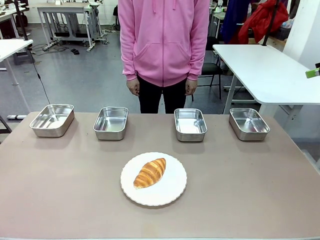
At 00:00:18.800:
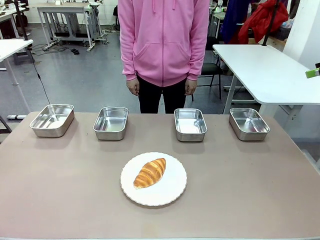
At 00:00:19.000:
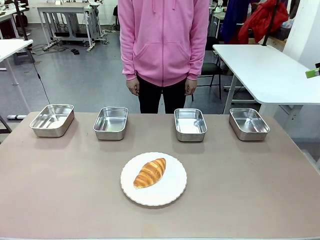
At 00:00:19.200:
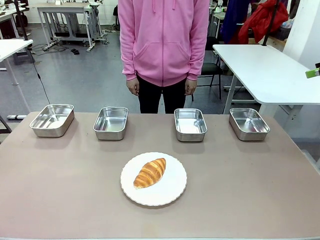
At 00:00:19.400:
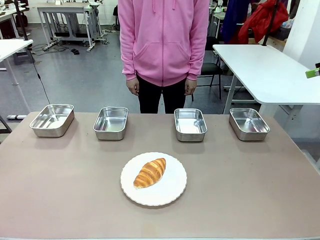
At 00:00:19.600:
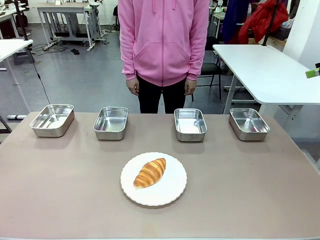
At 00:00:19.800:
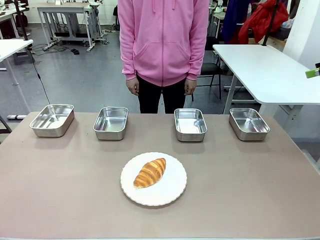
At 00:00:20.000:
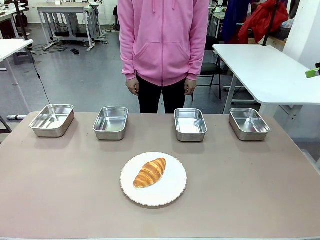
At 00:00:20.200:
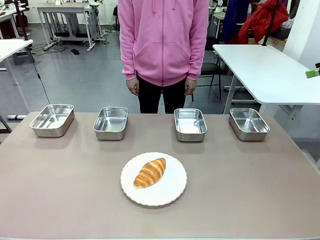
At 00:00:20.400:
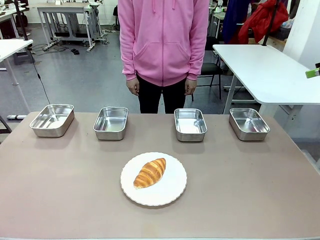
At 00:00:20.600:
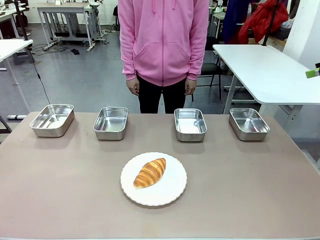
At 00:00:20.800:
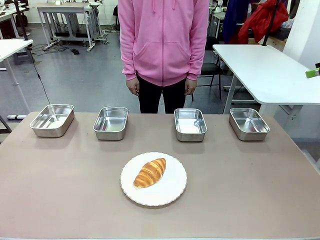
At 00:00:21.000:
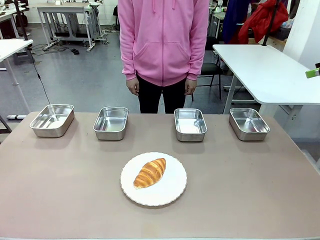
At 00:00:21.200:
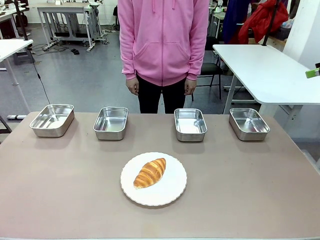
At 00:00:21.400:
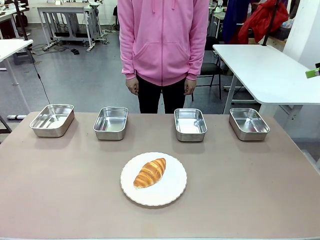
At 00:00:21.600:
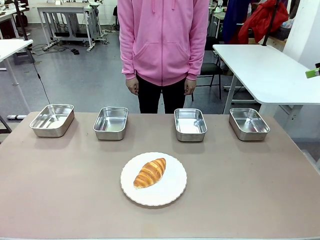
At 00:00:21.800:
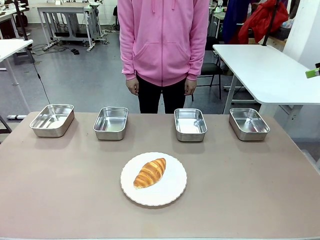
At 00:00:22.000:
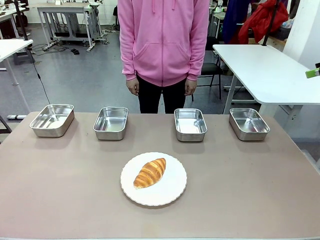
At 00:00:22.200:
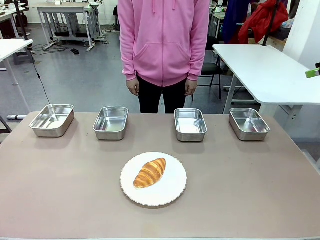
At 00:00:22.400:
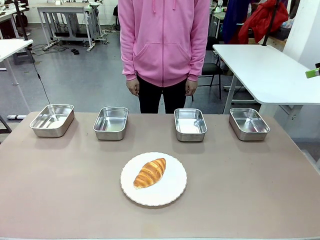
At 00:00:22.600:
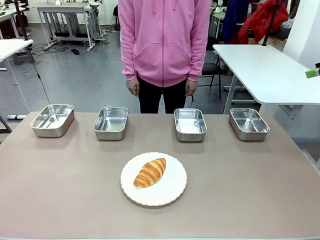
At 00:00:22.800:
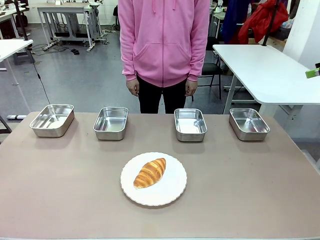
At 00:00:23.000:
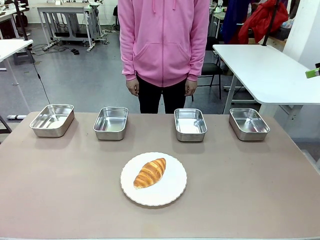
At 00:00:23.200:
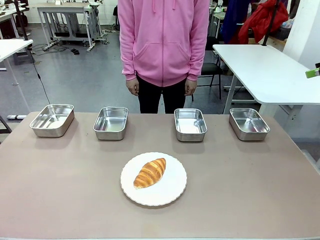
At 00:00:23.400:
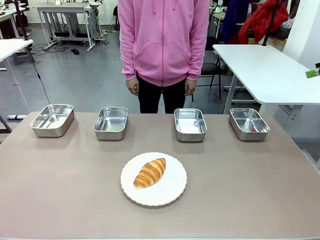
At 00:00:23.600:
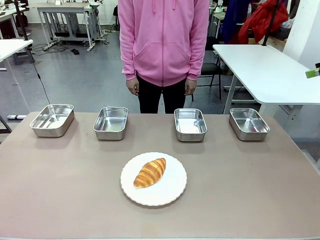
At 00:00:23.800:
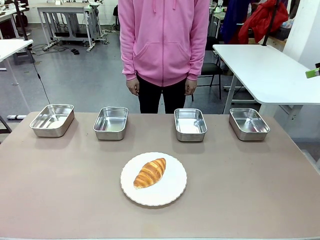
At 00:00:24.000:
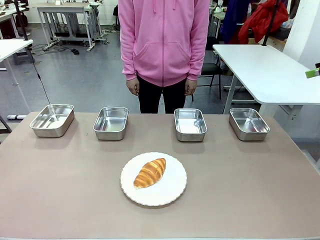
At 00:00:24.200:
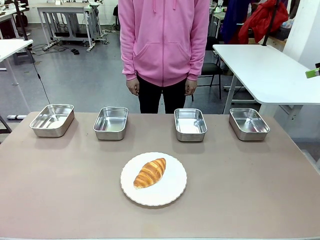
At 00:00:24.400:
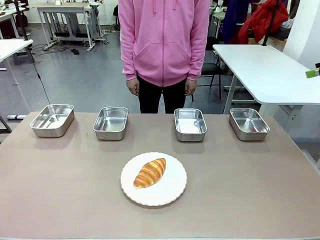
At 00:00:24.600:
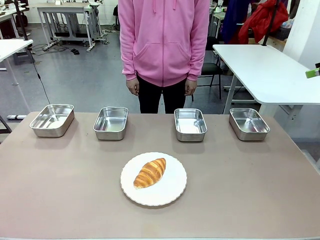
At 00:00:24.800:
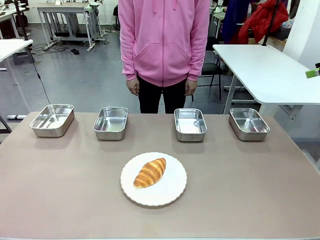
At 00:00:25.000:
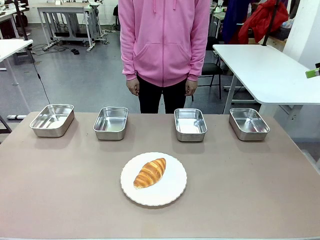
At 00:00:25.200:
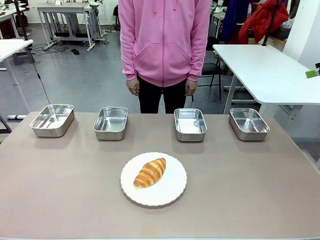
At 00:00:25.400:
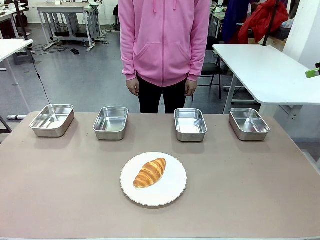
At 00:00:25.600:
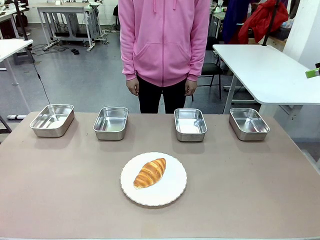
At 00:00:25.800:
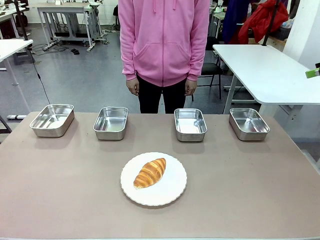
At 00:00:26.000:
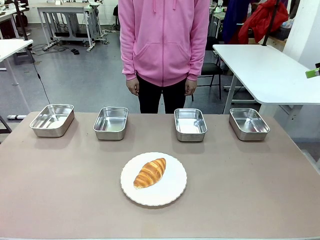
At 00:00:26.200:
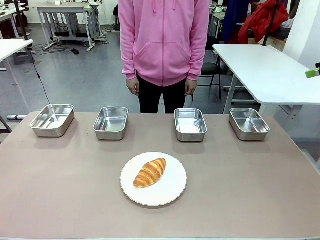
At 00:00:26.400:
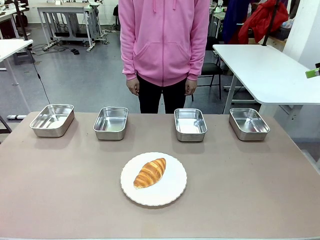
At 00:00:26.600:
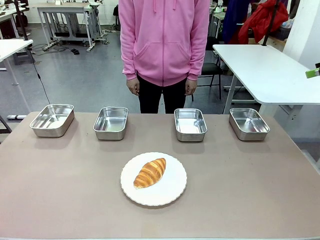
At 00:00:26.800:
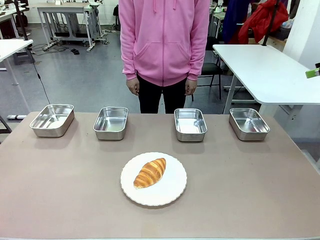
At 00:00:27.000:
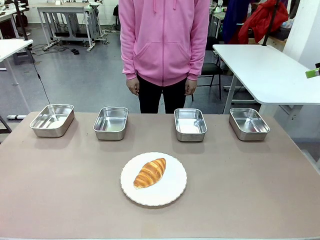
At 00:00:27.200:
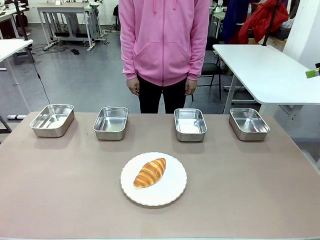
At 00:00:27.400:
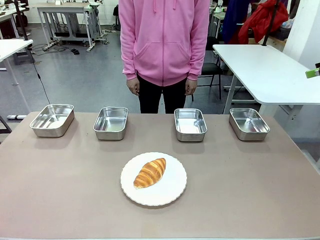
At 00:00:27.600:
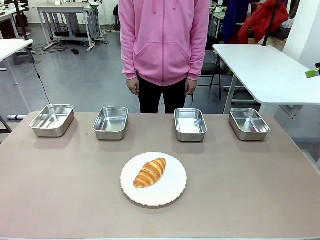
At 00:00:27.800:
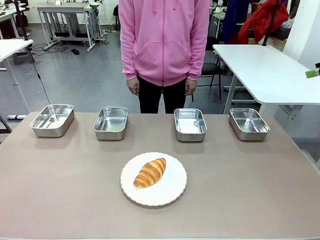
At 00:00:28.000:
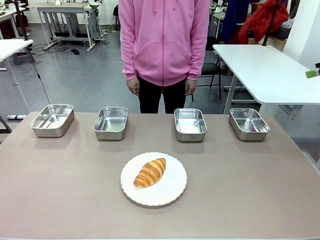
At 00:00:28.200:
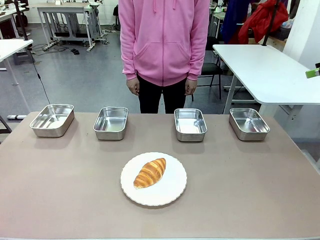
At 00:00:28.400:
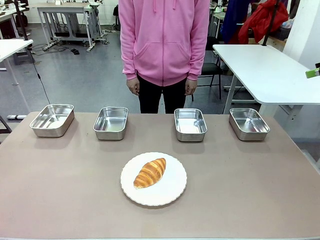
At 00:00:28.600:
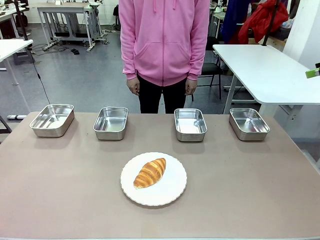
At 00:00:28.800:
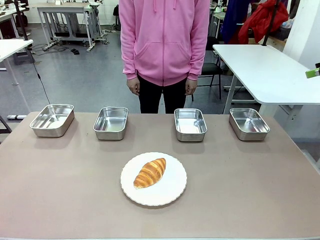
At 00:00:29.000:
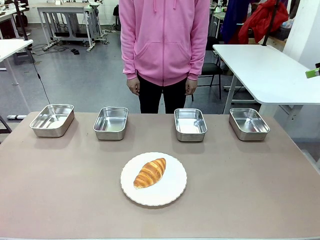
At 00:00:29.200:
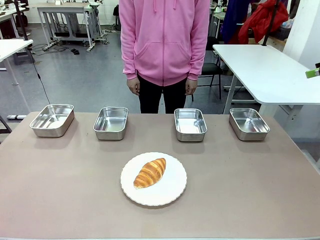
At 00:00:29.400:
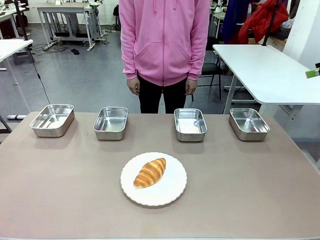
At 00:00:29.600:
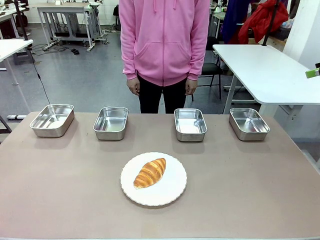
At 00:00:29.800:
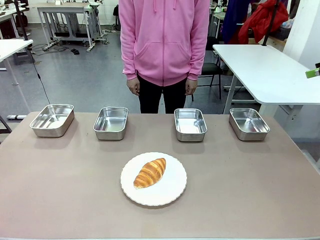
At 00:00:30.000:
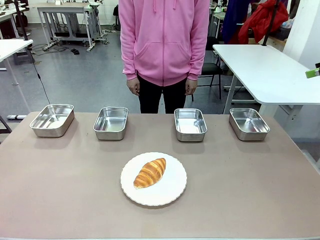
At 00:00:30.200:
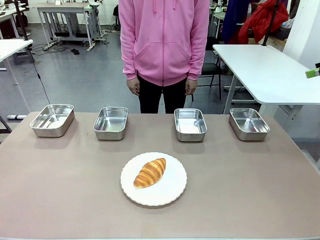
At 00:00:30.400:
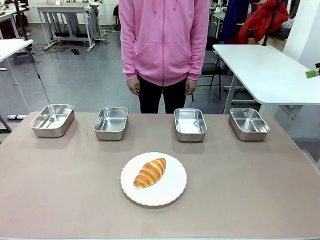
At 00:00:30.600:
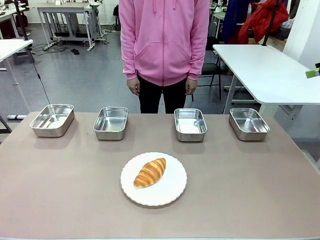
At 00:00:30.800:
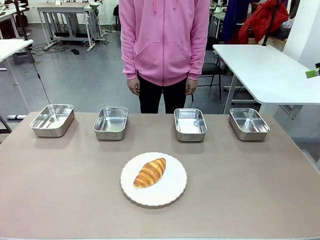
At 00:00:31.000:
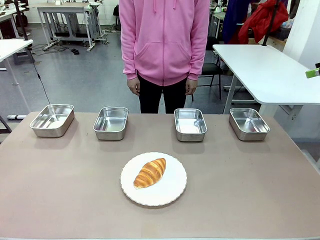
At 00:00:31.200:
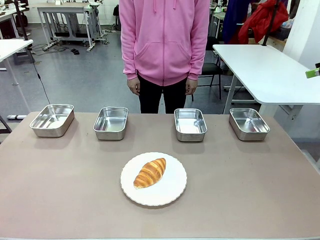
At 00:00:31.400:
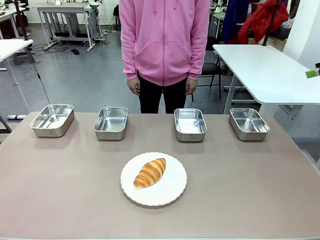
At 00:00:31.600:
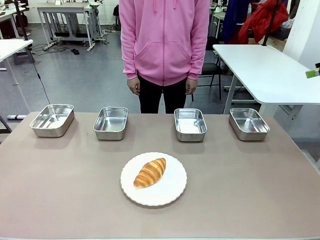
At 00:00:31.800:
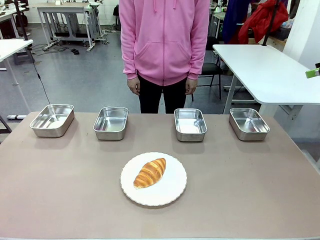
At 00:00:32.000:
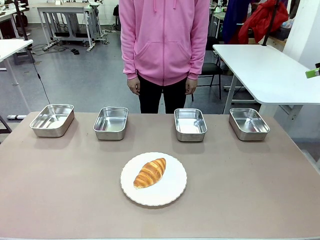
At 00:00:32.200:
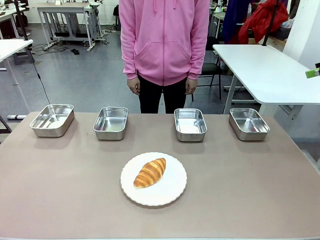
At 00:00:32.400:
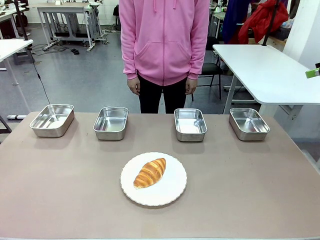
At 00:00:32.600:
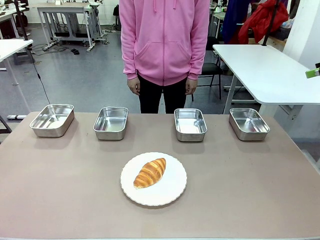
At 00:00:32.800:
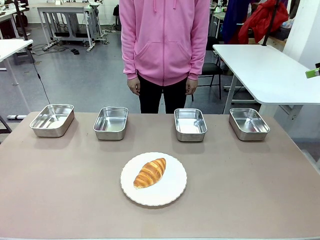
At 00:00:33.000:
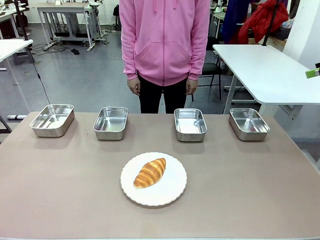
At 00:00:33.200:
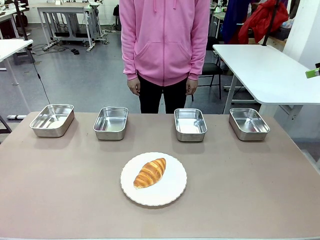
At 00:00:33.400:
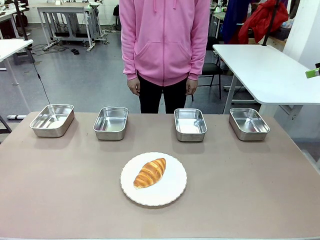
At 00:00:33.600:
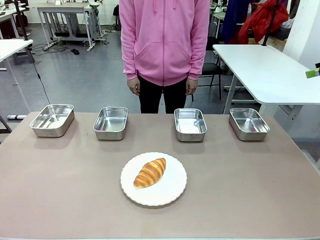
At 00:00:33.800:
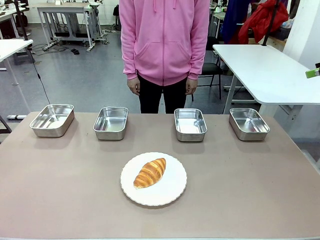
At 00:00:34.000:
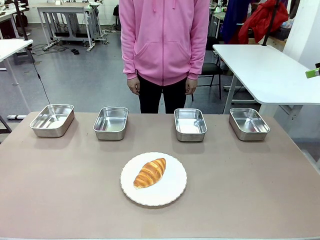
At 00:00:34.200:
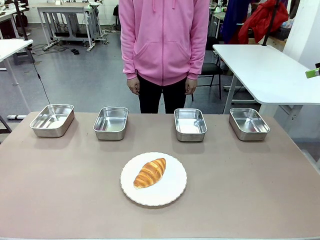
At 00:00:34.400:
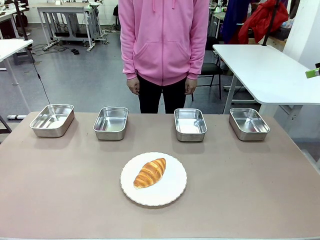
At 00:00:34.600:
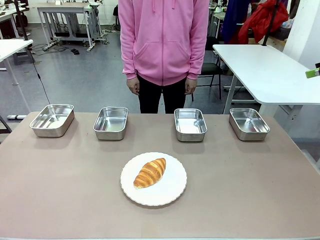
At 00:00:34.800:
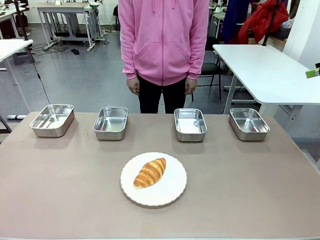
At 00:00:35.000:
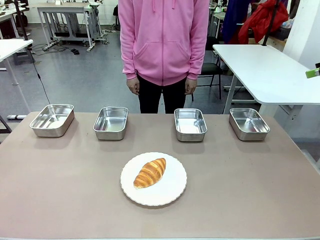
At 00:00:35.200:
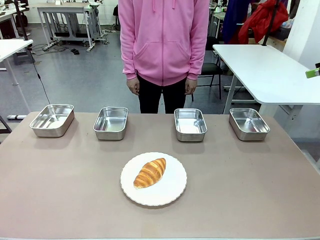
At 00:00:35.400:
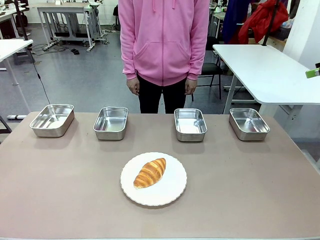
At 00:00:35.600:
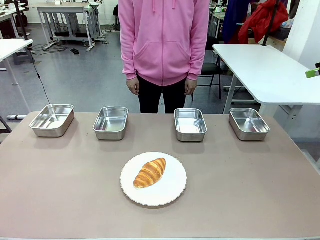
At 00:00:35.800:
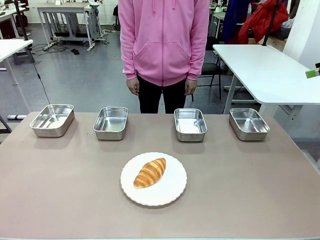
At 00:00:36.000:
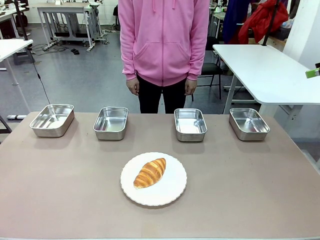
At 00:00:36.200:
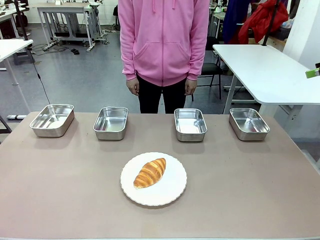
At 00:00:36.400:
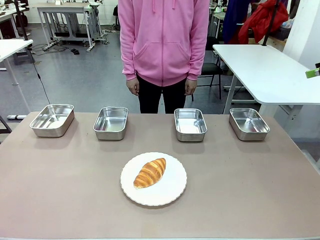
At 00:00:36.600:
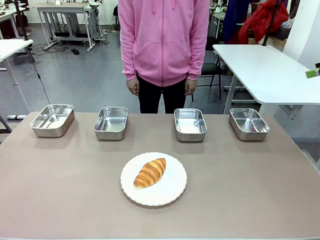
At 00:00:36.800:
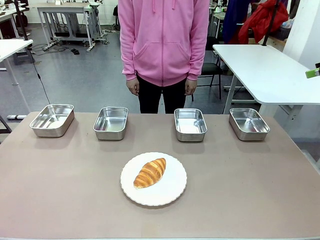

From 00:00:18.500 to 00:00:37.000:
Task: Place the bread in the container.
Robot: Place the Butter Roll into the Airtight Container indicated by the human.
